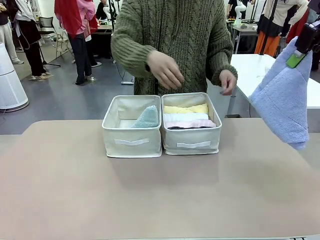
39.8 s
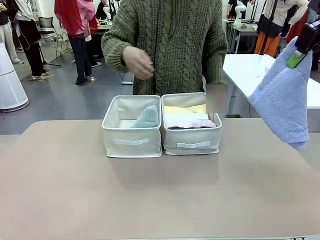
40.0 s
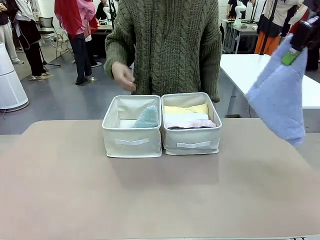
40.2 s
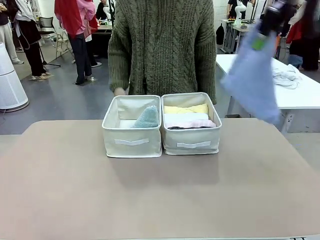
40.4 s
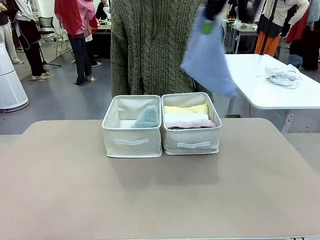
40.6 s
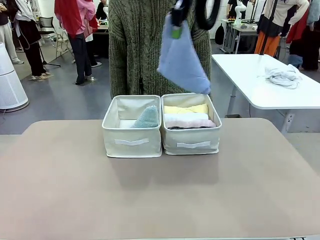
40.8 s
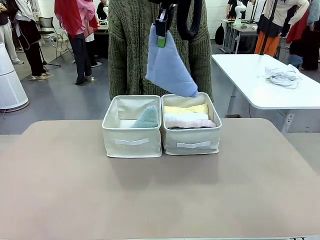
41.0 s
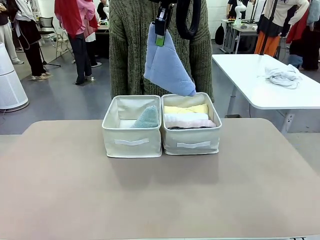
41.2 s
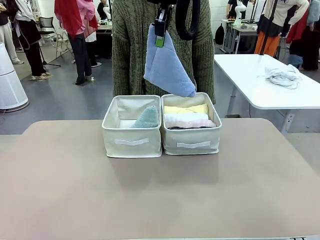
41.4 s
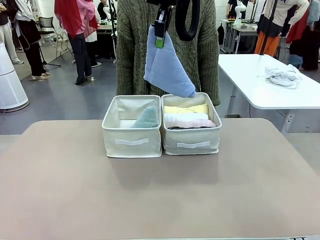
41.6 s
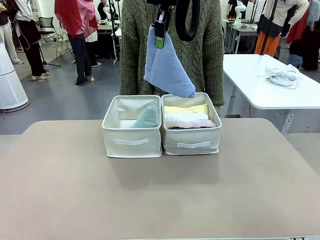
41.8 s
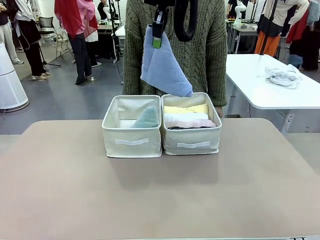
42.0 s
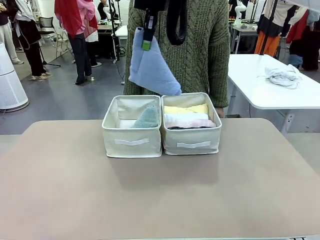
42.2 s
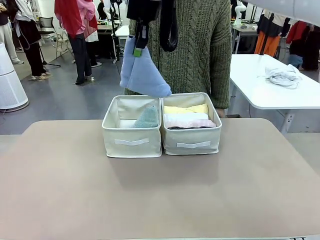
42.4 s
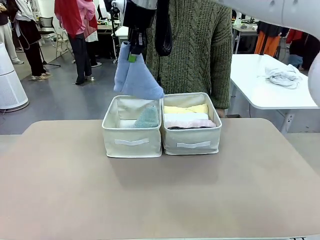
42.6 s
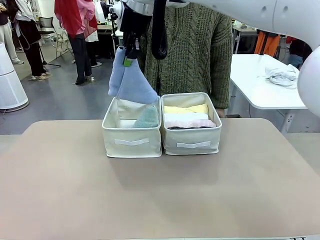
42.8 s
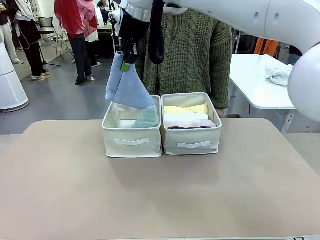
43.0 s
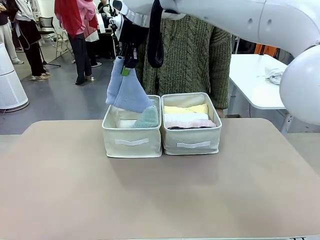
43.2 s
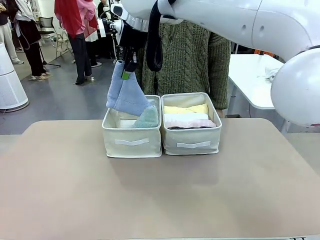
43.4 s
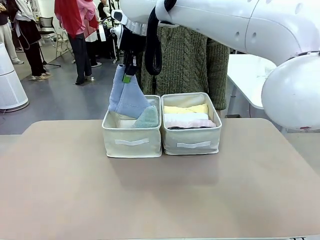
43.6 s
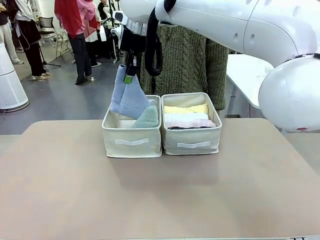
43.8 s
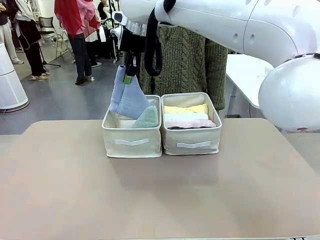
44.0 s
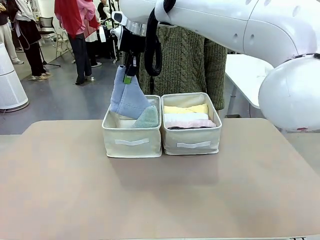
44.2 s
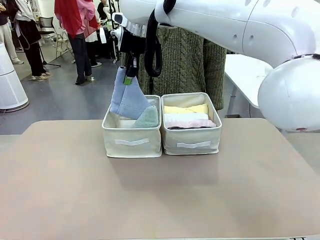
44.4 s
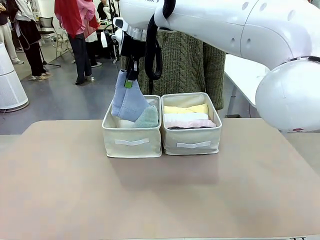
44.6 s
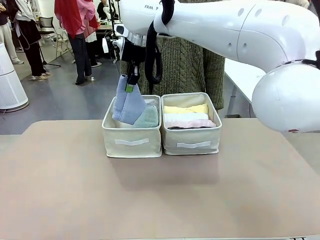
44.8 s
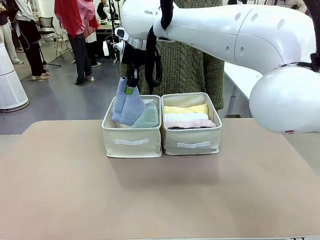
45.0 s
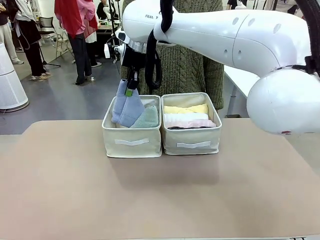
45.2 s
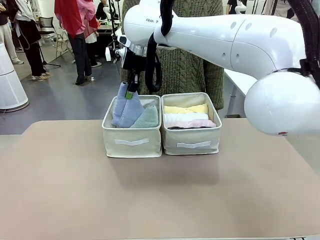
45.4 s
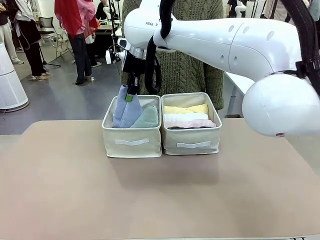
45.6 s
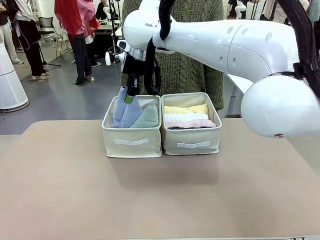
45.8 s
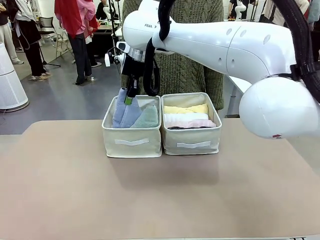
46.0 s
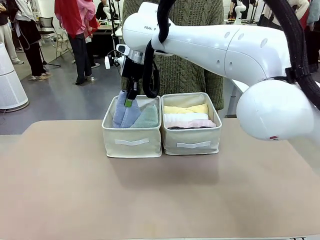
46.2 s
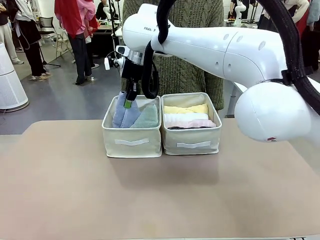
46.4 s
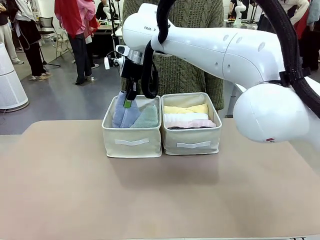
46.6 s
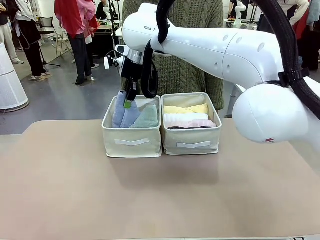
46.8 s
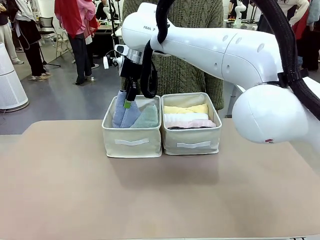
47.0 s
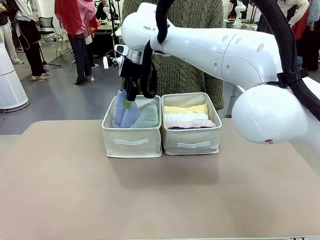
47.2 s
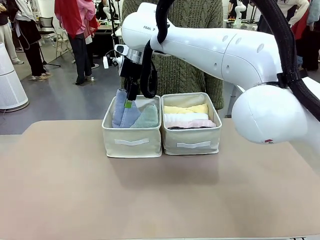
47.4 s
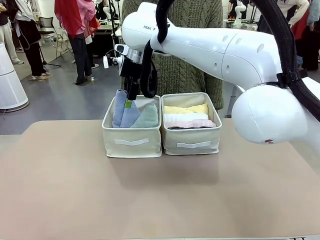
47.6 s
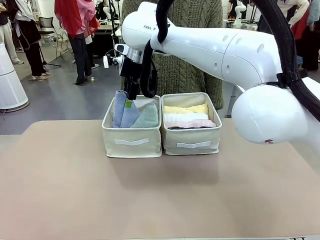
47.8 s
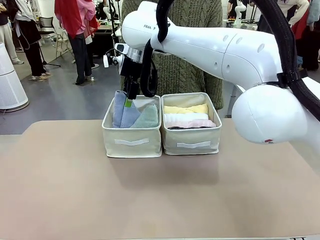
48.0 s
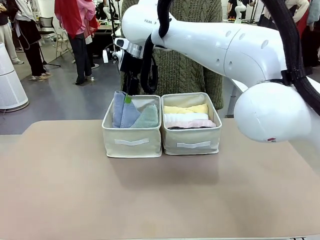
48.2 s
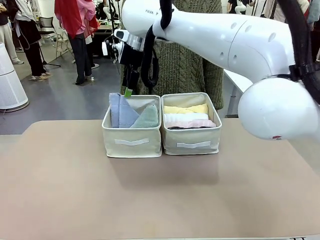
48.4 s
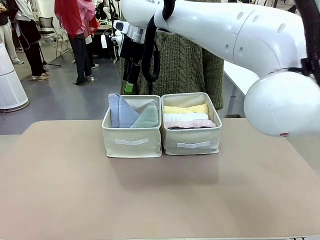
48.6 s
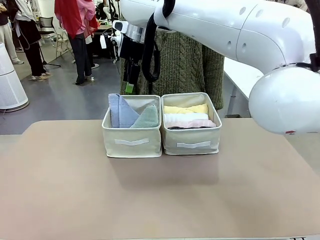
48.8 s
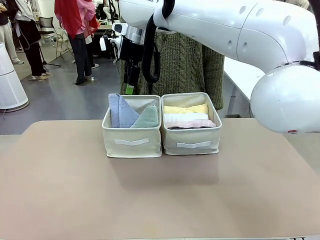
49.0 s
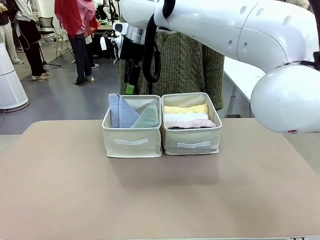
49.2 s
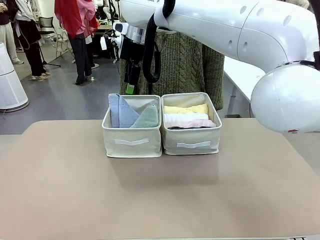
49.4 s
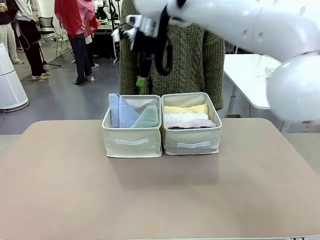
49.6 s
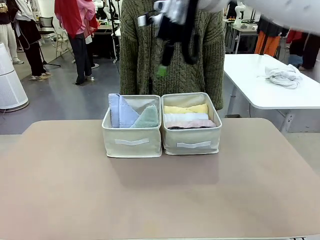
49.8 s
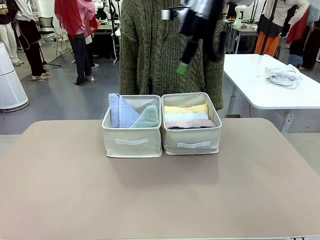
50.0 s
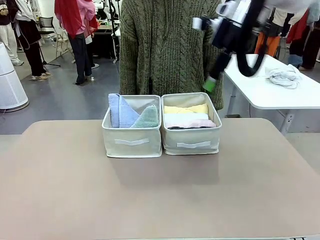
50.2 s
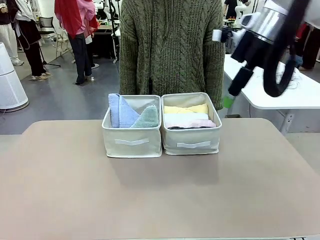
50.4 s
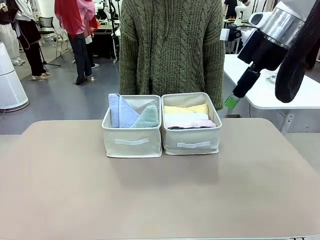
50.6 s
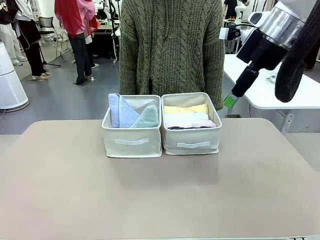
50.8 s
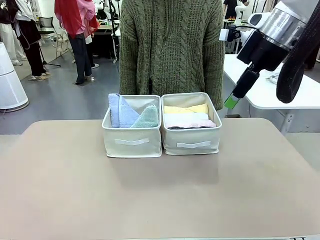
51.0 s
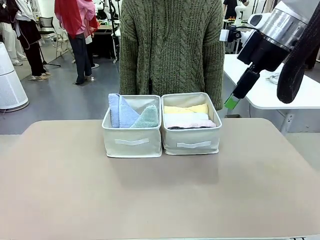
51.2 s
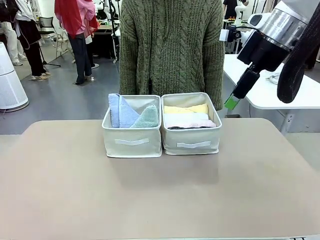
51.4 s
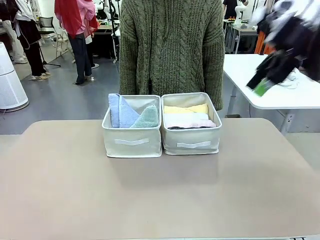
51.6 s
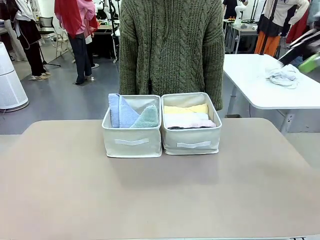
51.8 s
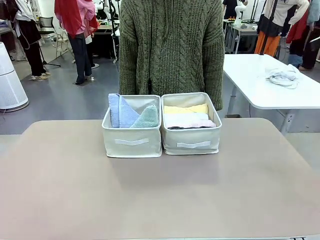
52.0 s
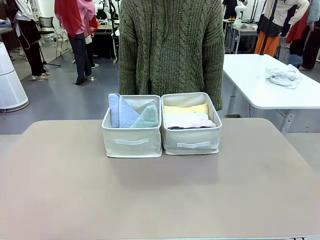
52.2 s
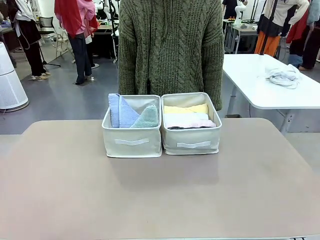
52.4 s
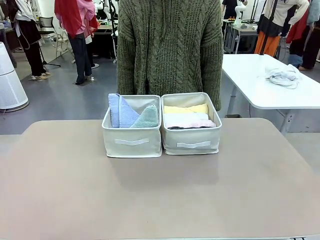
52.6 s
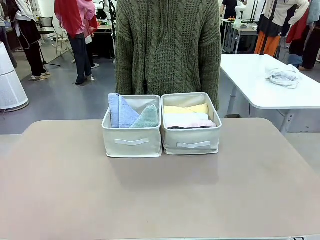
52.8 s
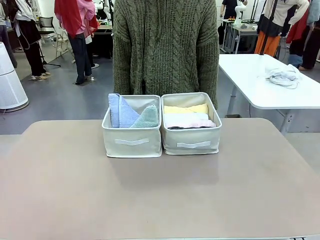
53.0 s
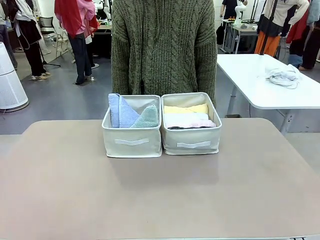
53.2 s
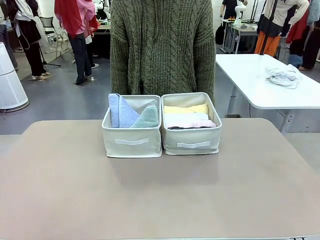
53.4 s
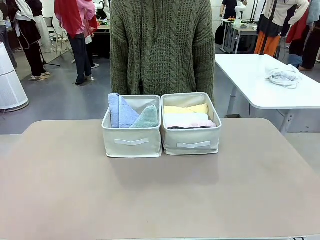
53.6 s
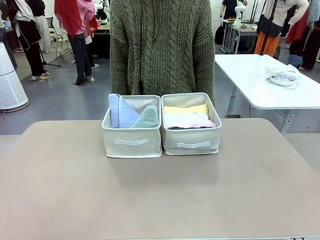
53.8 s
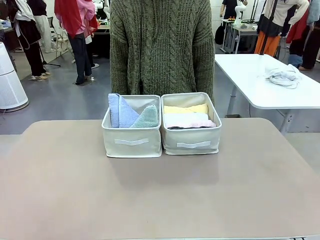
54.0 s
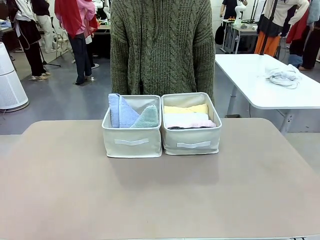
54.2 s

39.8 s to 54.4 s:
Task: Sort the towels based on their folding style.
Robot: Pick up another triangle-folded towel from the table and place it in the left Fabric basket.

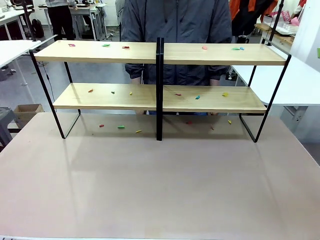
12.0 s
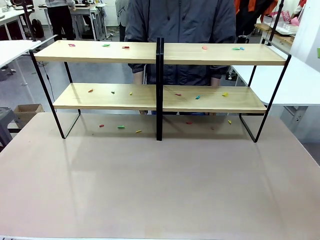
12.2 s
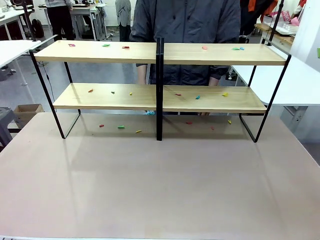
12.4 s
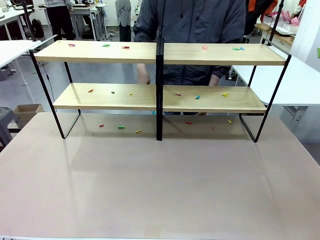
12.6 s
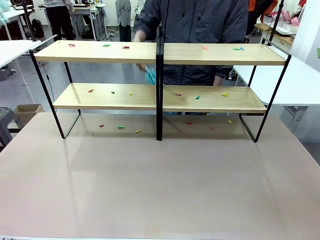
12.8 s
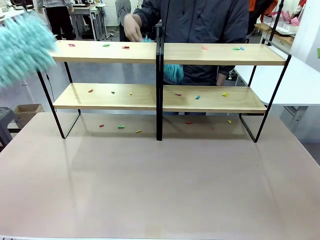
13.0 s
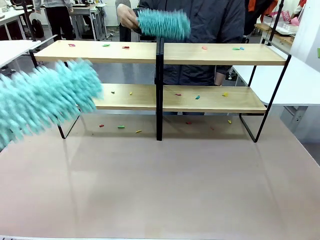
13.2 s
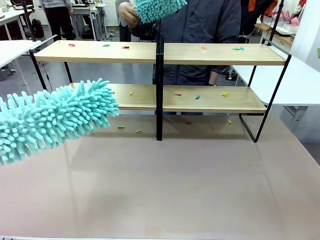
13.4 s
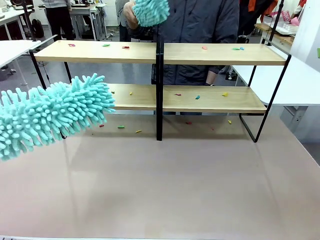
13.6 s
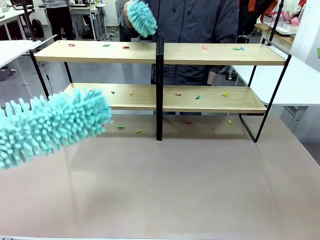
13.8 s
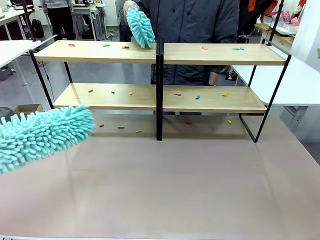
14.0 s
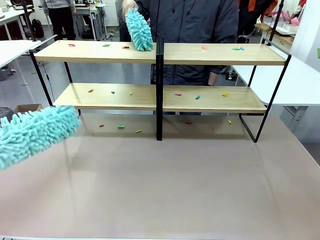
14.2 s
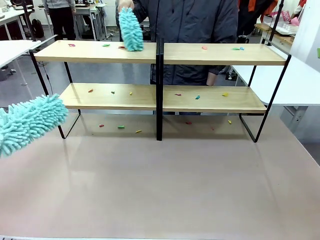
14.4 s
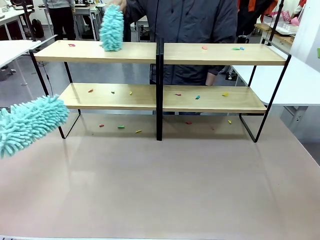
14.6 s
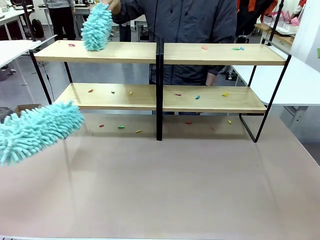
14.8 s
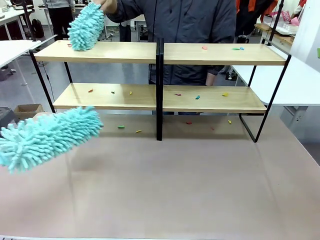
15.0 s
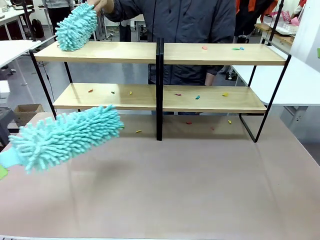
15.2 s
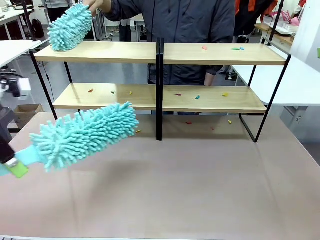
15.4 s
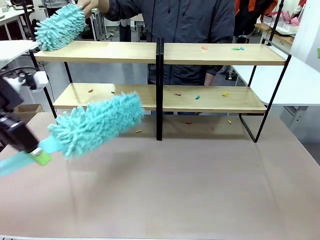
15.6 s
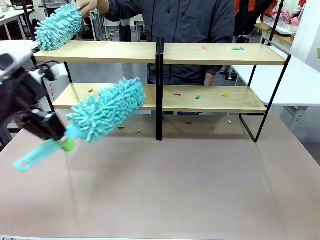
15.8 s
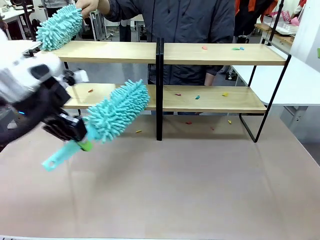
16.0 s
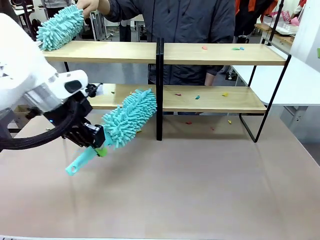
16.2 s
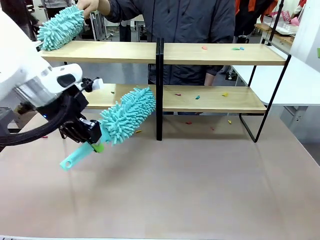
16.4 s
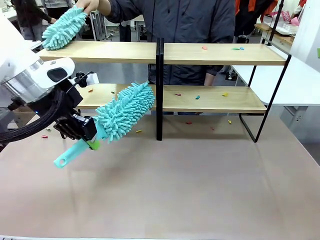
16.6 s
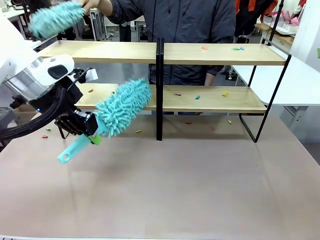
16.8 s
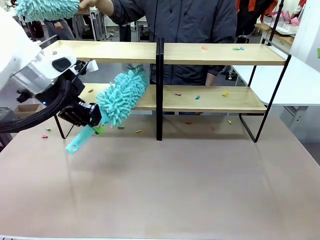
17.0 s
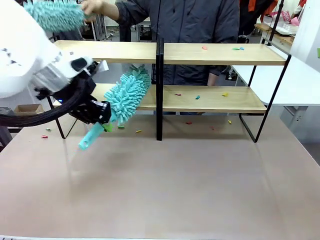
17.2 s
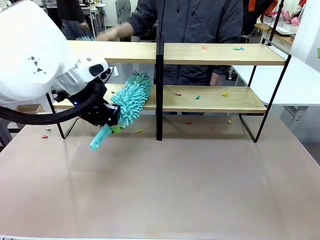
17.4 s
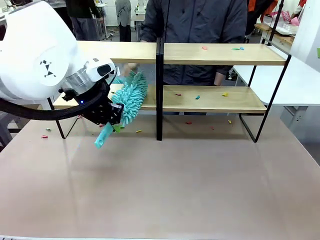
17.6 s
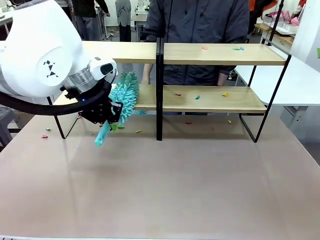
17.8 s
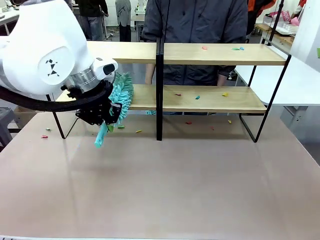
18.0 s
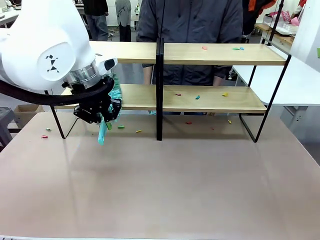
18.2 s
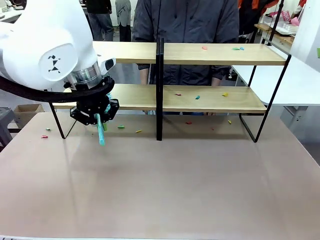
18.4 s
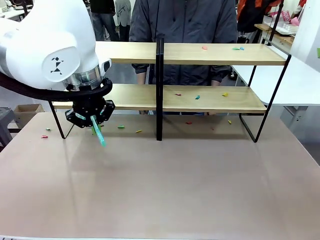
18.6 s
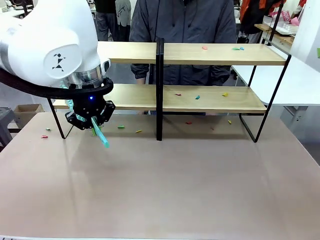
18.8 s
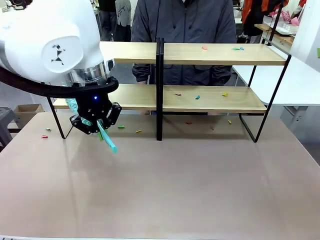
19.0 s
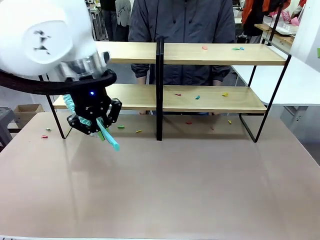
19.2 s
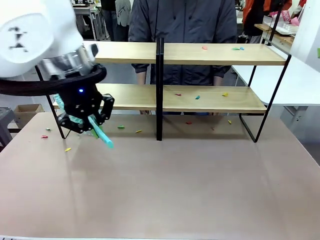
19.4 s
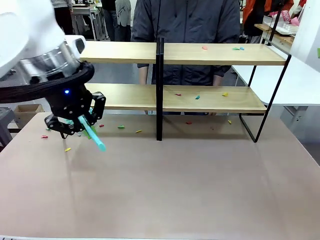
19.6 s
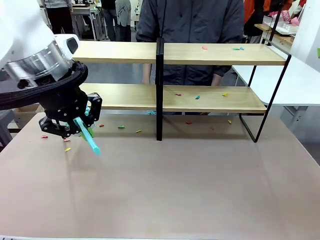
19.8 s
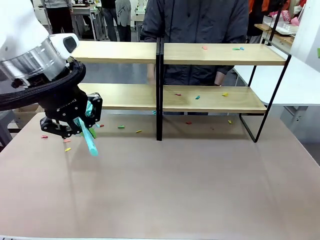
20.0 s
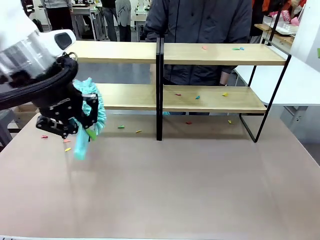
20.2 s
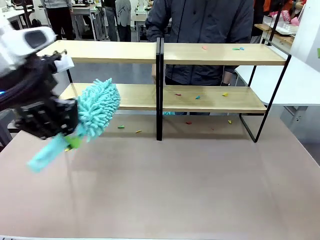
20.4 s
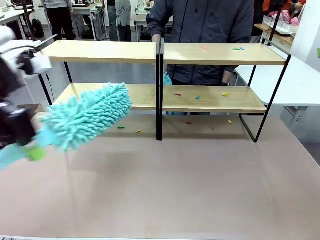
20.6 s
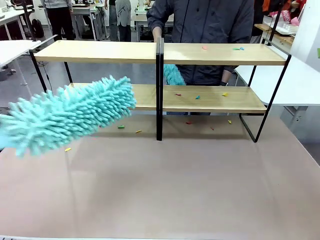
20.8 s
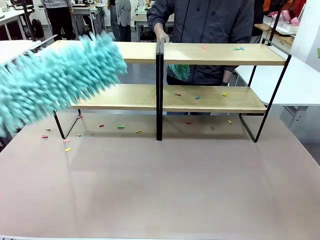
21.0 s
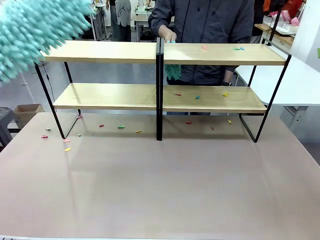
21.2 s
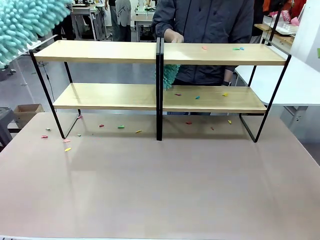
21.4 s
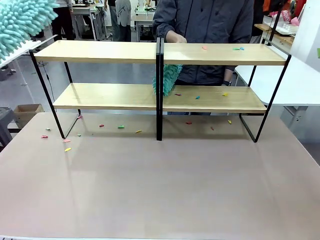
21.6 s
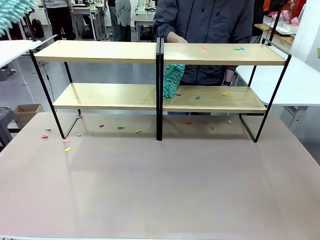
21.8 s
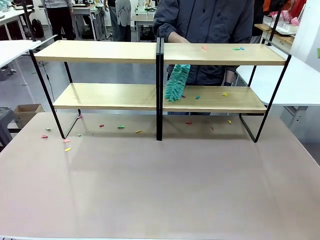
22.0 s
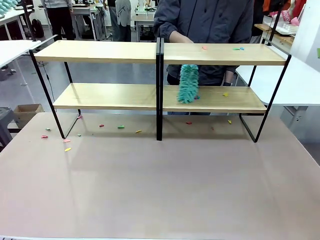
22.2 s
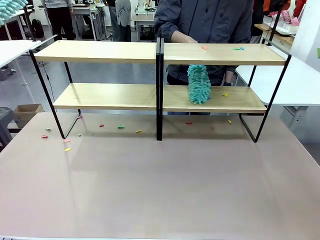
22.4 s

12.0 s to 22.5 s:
Task: Clean the shelves.
Robot: Clean a randomly selected level of the Shelf with the Duster.
